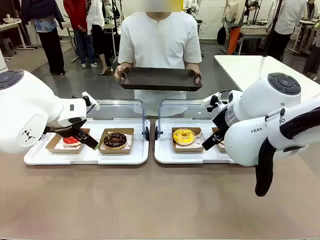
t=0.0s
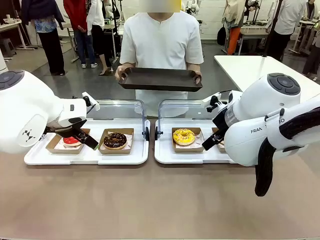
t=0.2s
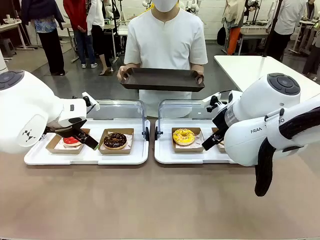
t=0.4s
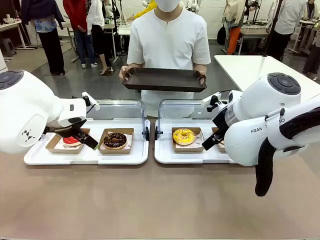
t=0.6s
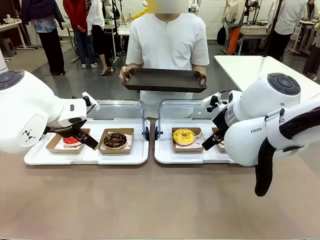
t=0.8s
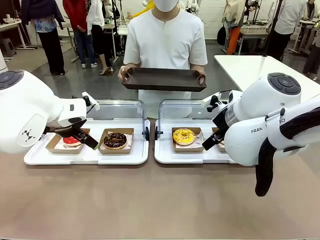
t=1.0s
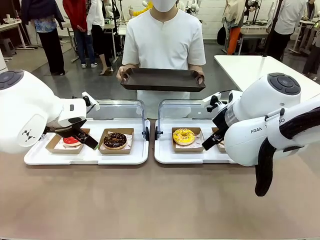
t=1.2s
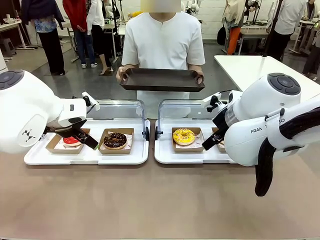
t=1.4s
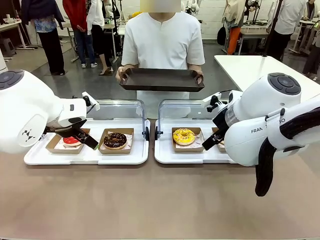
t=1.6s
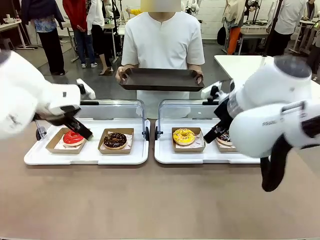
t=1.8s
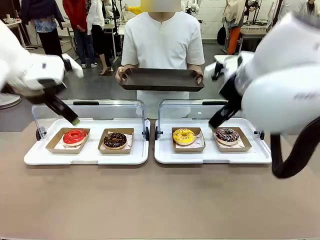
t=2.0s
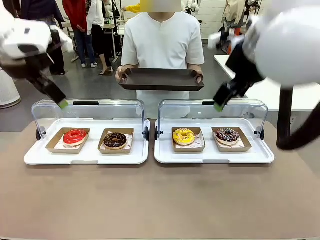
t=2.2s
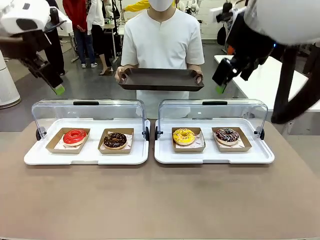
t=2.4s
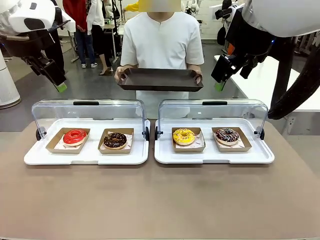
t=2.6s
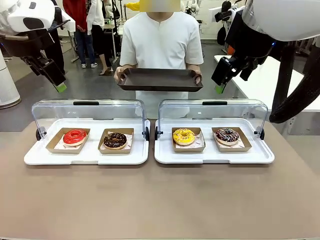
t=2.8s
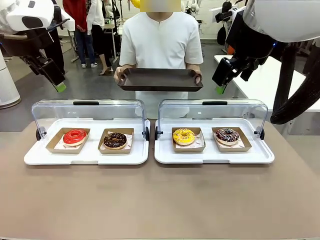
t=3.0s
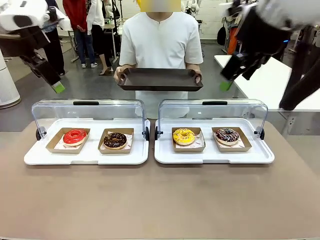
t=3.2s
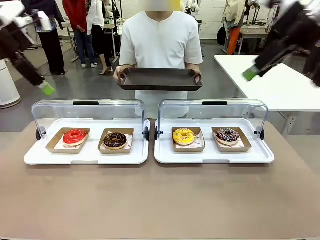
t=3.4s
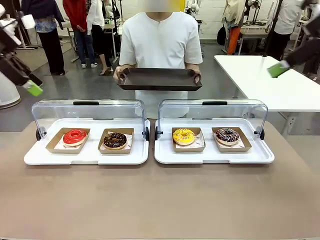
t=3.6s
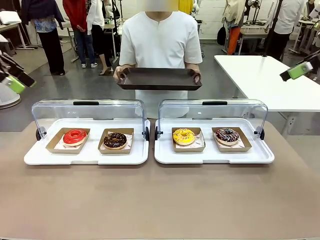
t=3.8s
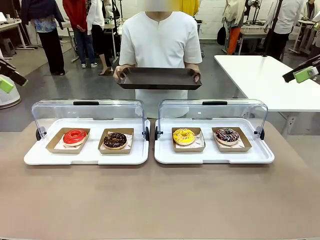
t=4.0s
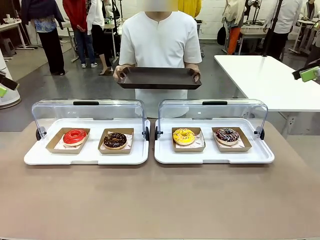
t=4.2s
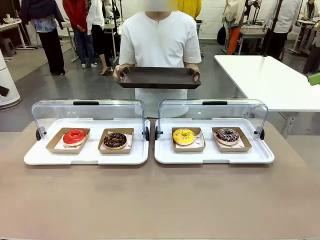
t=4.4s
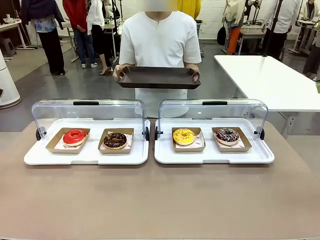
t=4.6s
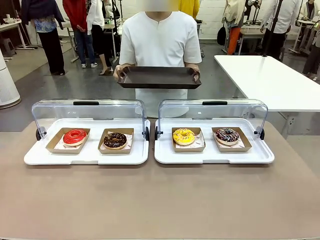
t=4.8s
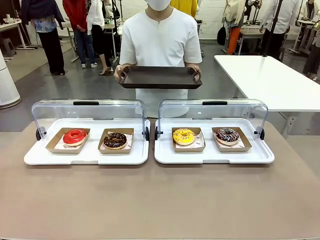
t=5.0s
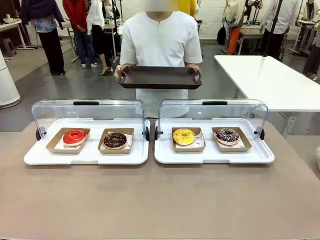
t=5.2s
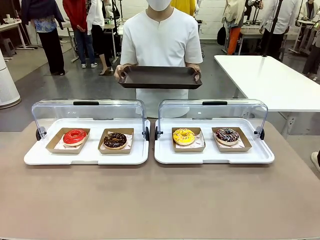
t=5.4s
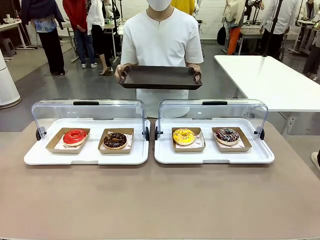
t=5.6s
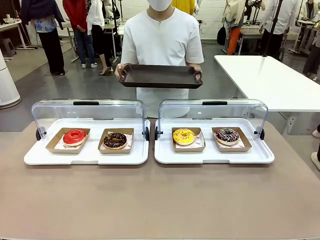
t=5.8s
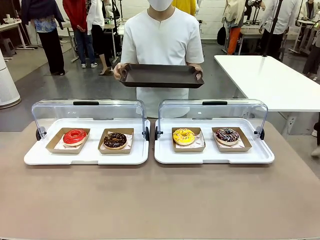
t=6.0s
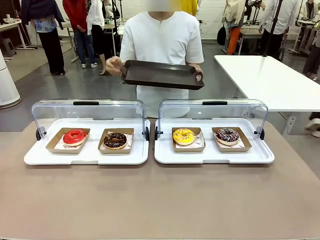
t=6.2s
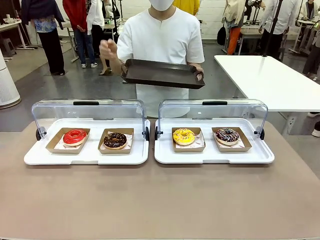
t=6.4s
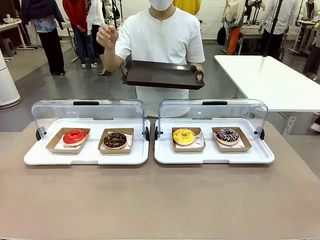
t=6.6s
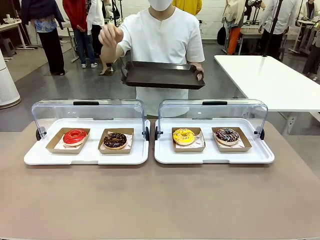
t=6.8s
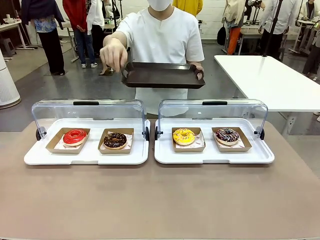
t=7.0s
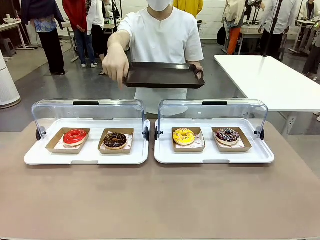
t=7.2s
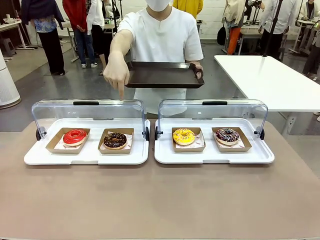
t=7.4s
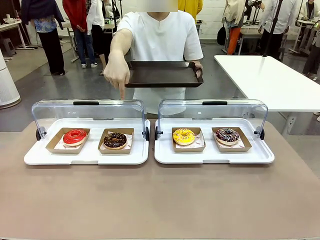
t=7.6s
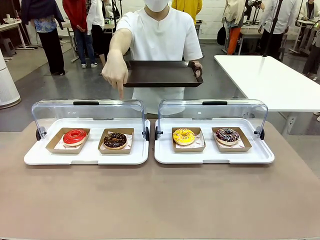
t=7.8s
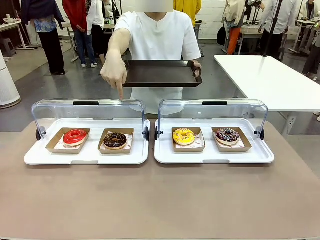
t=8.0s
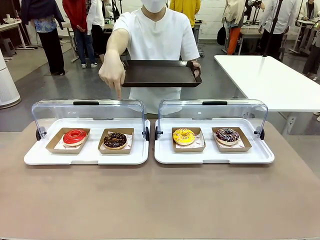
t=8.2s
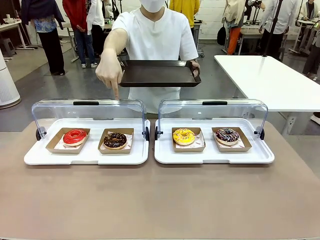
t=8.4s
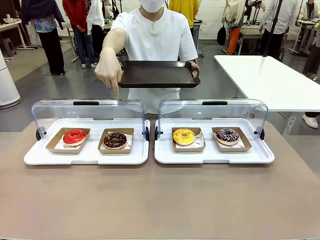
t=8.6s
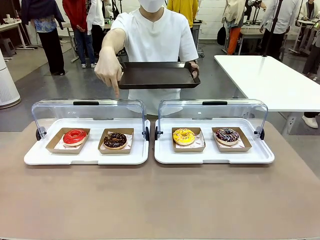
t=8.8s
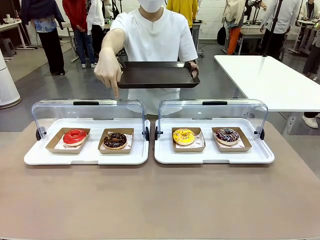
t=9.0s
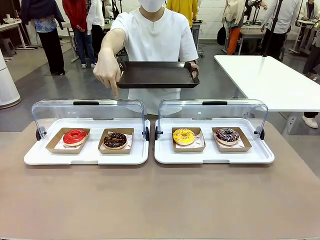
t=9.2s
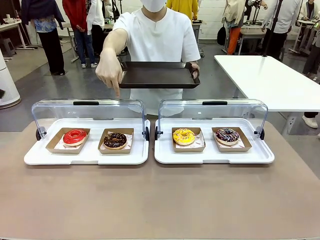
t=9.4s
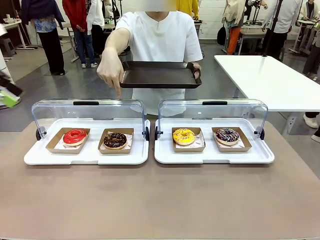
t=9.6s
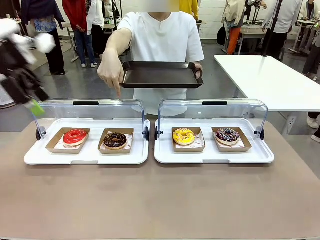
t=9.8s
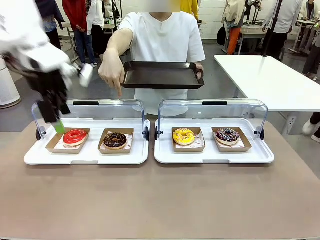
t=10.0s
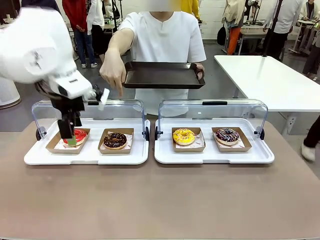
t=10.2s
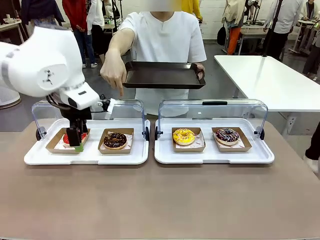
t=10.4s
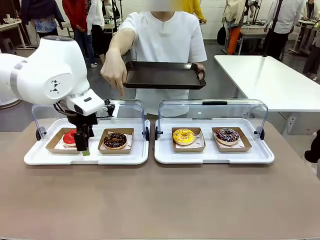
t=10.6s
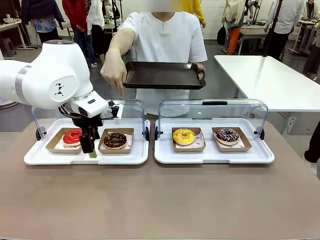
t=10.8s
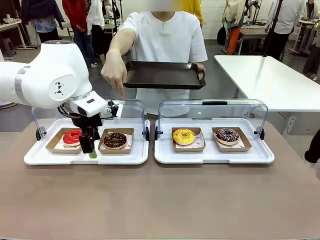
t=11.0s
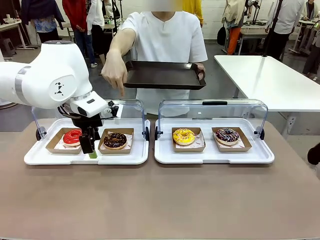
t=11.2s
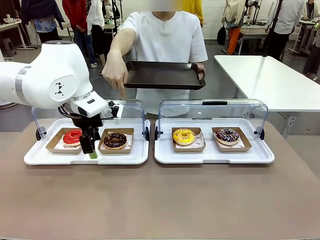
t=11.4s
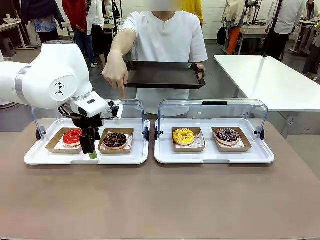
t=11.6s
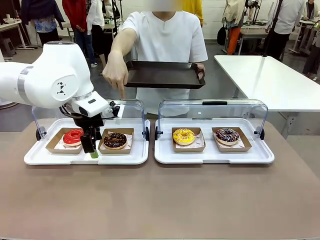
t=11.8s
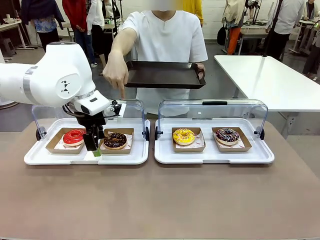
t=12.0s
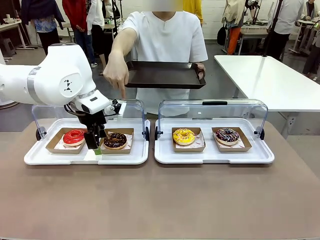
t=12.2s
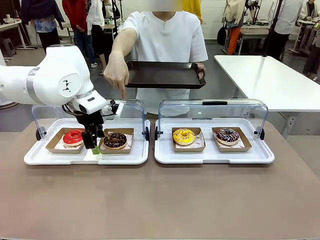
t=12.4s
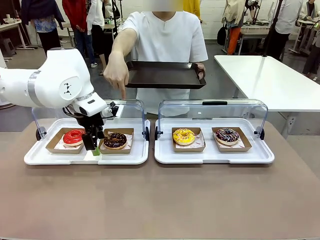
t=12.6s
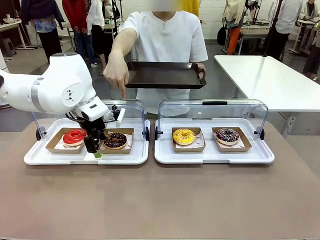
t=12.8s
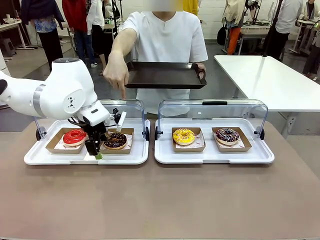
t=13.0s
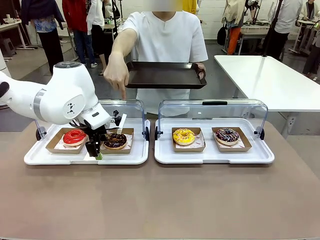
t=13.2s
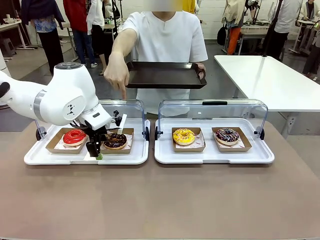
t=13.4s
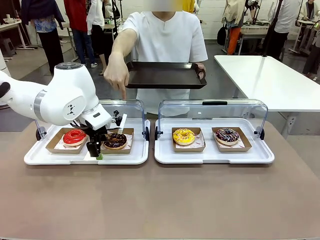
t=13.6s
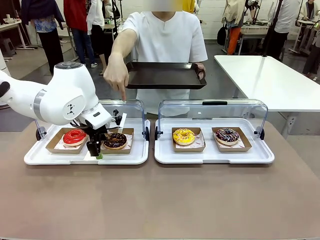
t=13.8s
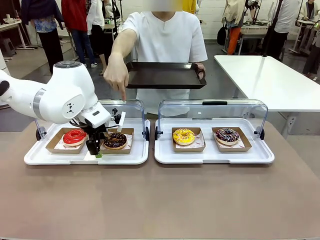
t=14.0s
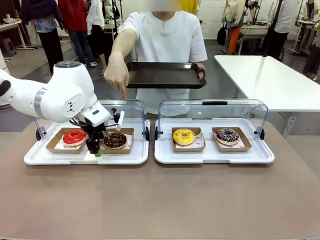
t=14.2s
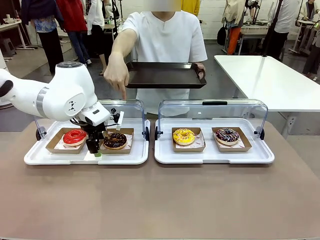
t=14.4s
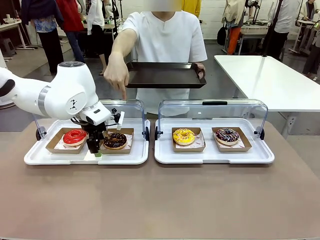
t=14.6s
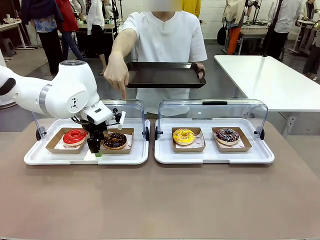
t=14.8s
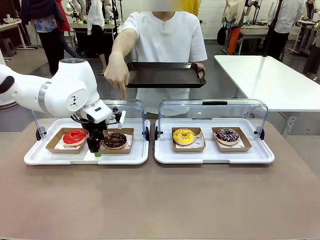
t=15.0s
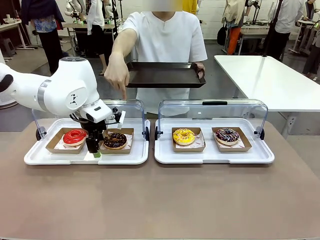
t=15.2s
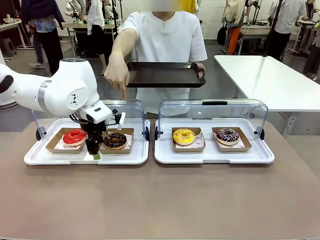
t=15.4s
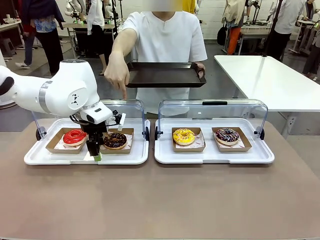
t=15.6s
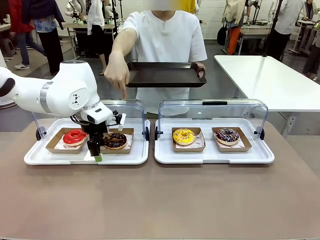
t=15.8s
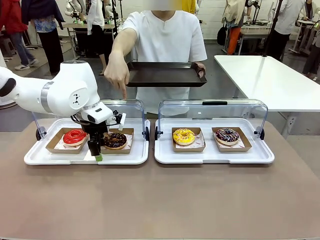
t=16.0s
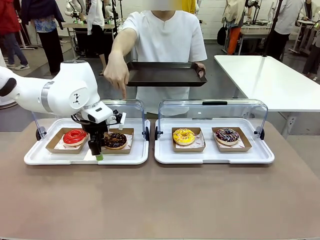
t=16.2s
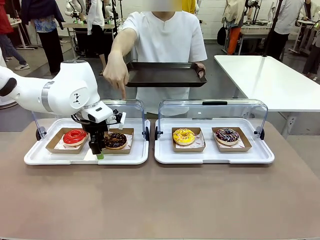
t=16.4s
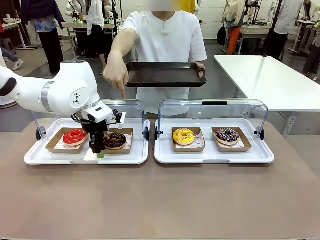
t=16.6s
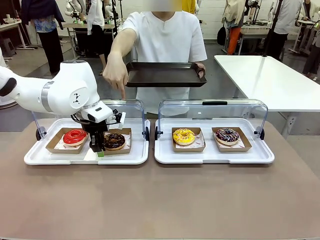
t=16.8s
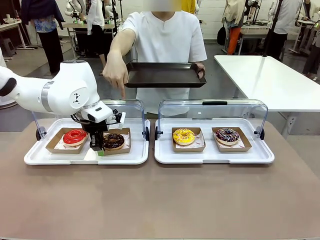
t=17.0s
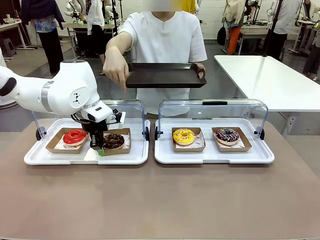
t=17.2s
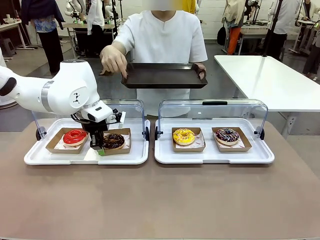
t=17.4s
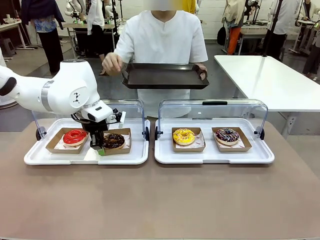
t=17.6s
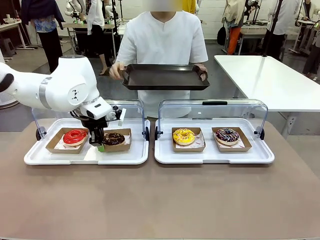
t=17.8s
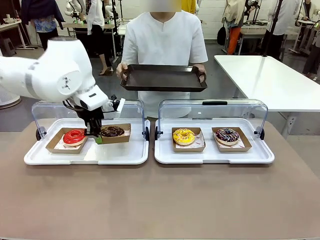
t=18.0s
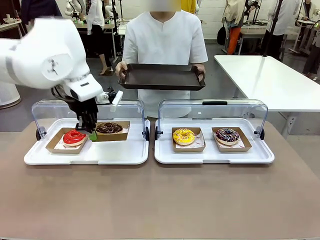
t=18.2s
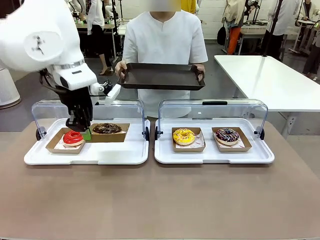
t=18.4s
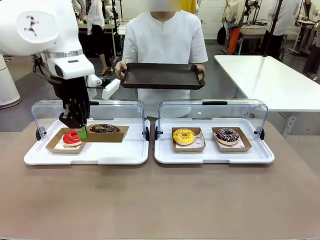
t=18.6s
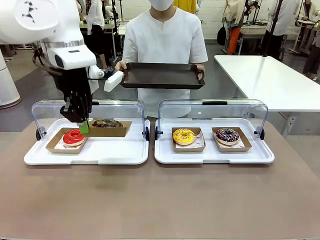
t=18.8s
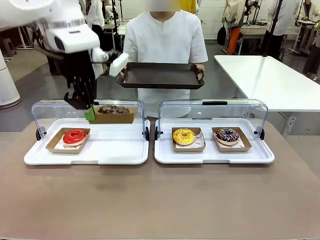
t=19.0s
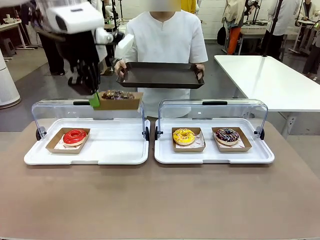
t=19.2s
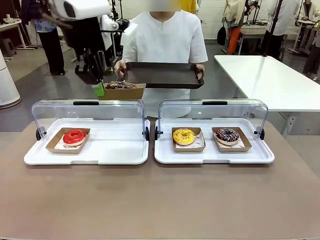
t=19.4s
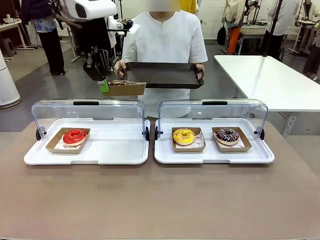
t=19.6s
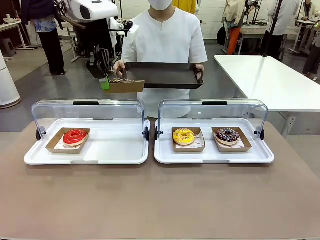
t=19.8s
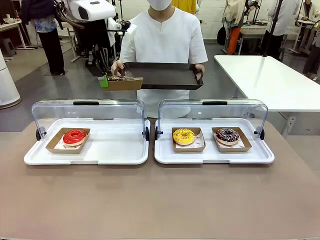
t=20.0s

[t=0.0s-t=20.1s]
Task: Provide the desired donut to the person.
Robot: Pick up and lift the Paper togo box containing the Donut pointed at by the person.
Person: Point to one donut. Lift the tray onto the Roll-Top Bakery Case.
